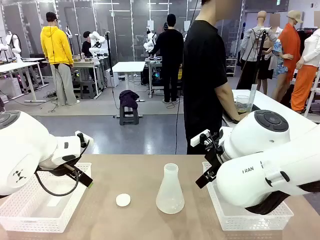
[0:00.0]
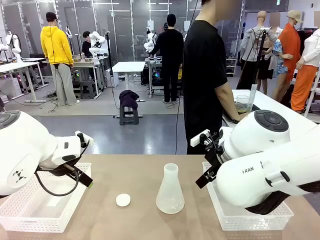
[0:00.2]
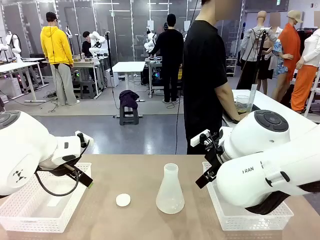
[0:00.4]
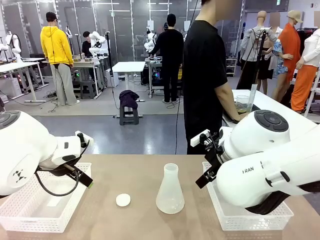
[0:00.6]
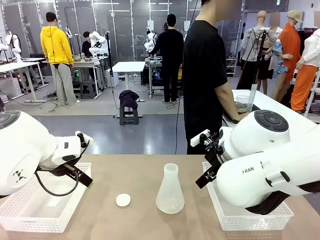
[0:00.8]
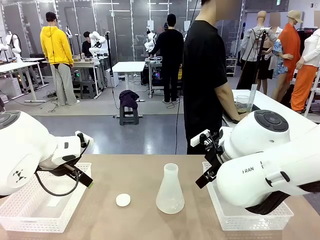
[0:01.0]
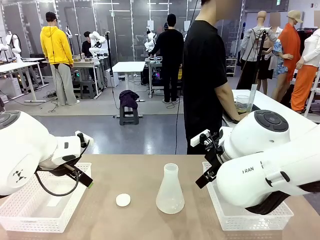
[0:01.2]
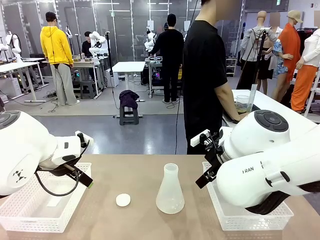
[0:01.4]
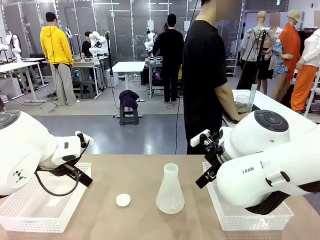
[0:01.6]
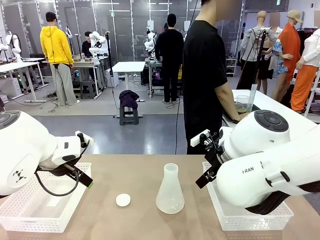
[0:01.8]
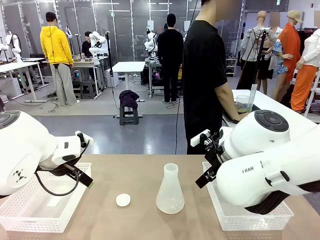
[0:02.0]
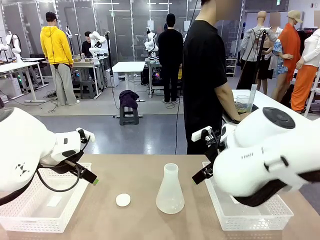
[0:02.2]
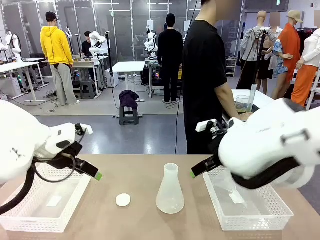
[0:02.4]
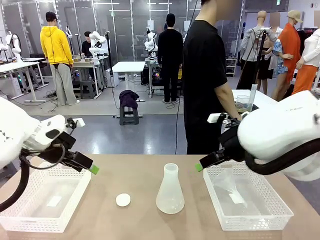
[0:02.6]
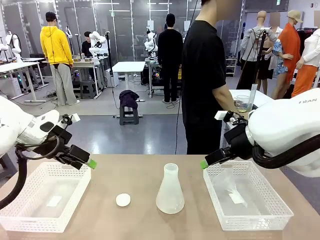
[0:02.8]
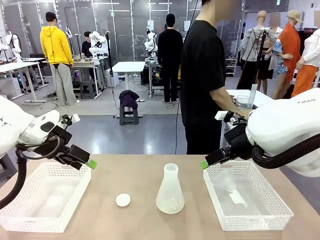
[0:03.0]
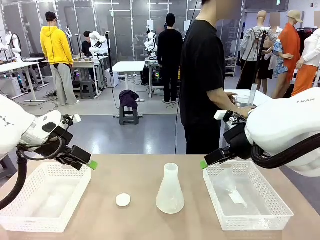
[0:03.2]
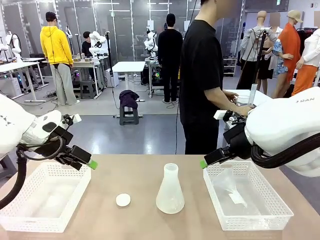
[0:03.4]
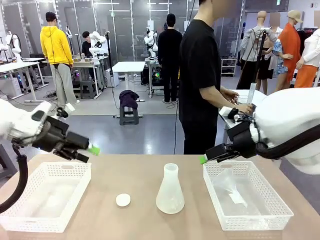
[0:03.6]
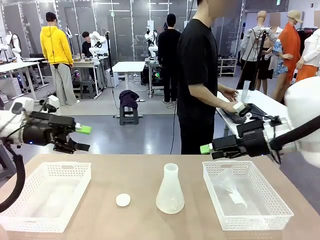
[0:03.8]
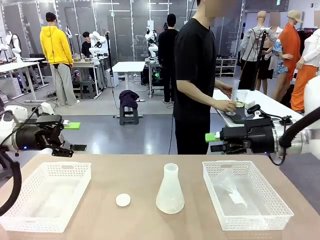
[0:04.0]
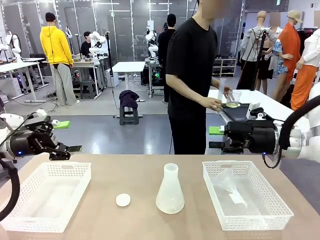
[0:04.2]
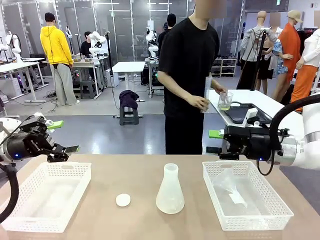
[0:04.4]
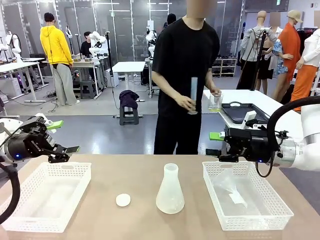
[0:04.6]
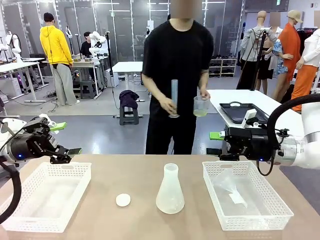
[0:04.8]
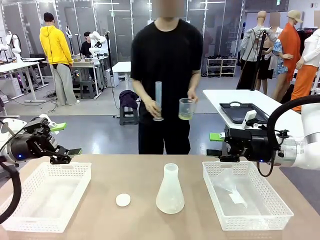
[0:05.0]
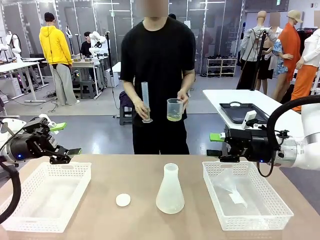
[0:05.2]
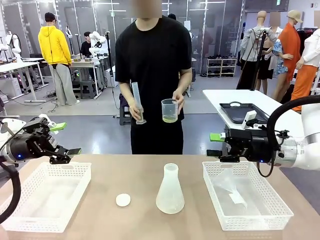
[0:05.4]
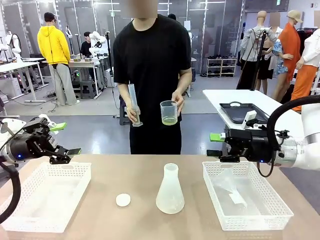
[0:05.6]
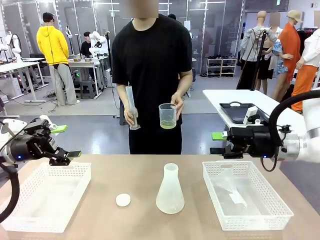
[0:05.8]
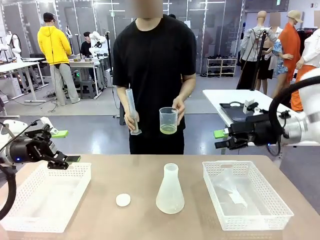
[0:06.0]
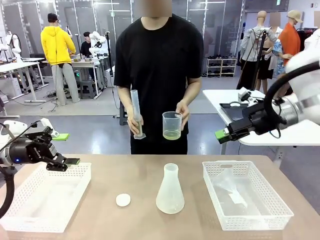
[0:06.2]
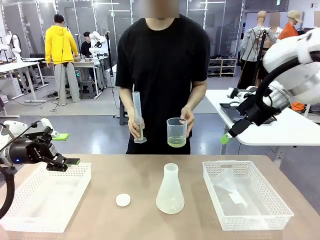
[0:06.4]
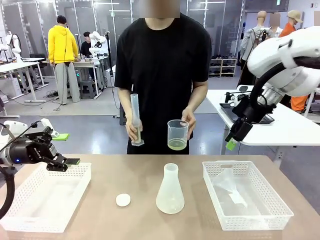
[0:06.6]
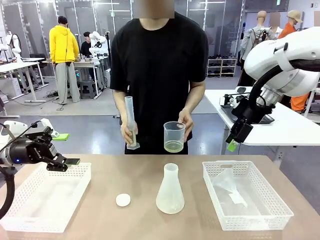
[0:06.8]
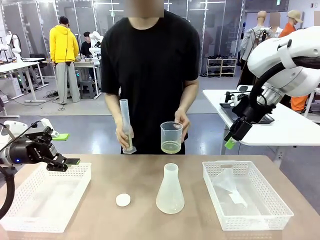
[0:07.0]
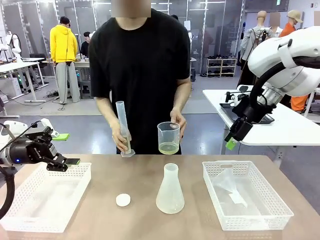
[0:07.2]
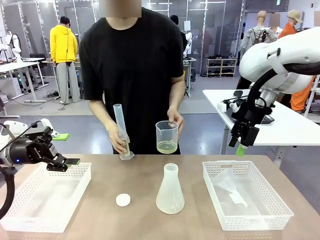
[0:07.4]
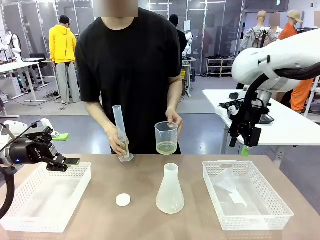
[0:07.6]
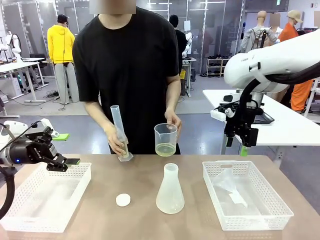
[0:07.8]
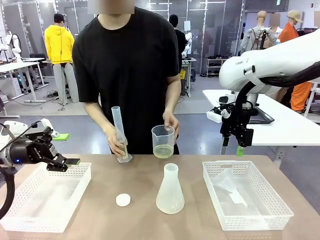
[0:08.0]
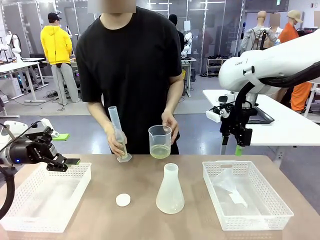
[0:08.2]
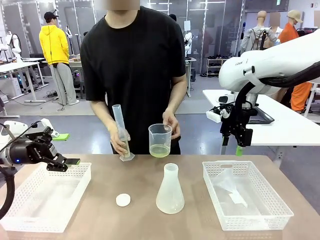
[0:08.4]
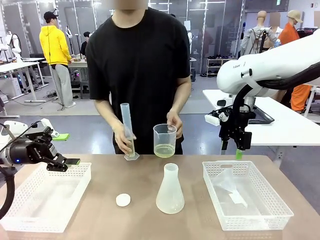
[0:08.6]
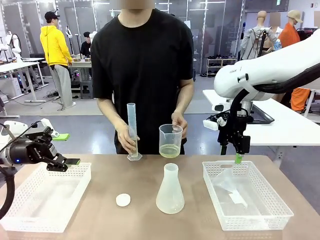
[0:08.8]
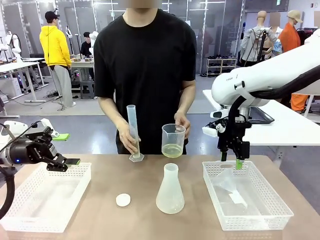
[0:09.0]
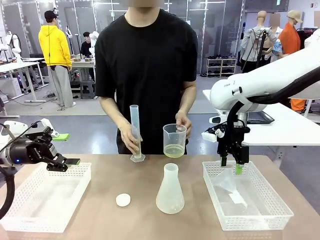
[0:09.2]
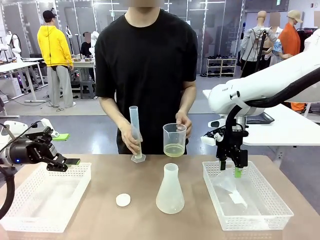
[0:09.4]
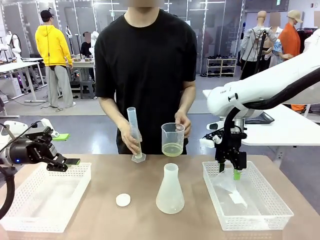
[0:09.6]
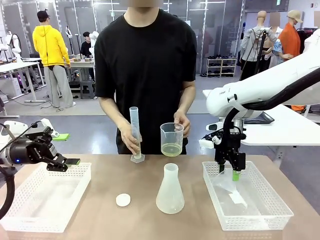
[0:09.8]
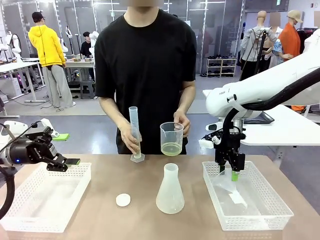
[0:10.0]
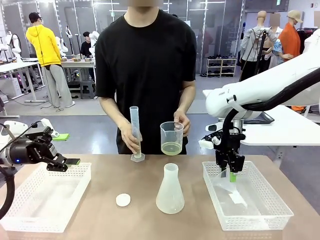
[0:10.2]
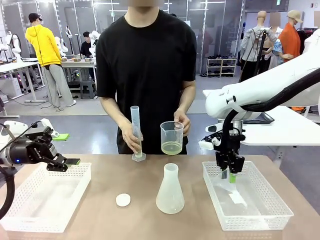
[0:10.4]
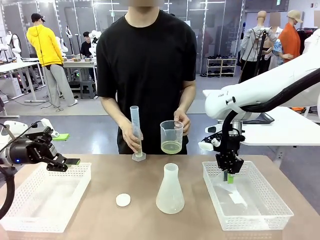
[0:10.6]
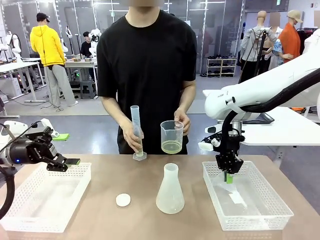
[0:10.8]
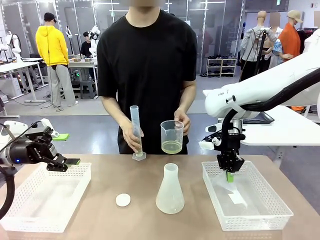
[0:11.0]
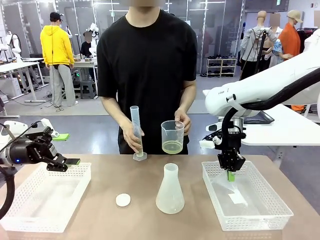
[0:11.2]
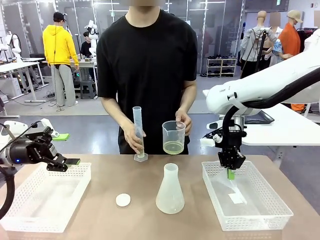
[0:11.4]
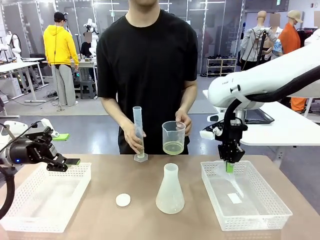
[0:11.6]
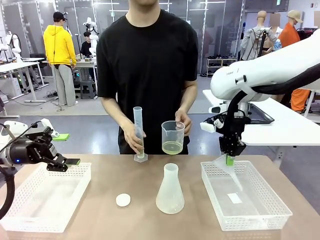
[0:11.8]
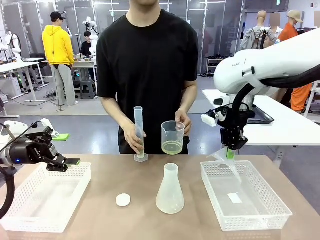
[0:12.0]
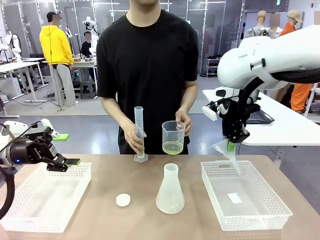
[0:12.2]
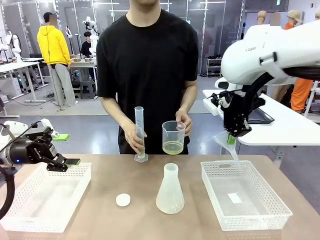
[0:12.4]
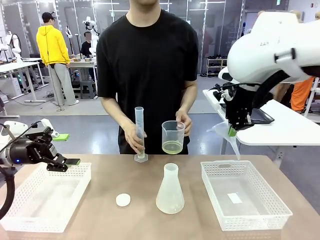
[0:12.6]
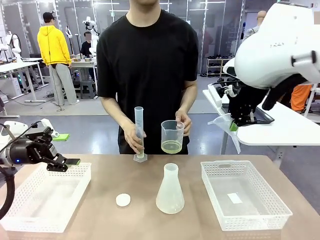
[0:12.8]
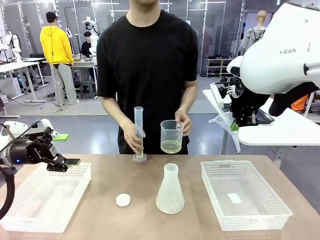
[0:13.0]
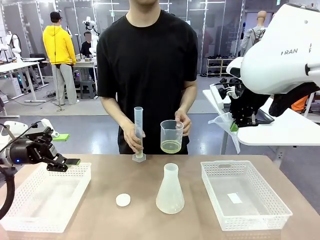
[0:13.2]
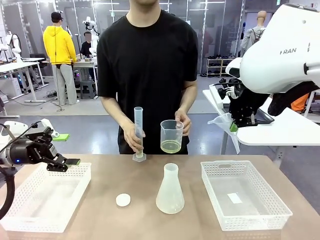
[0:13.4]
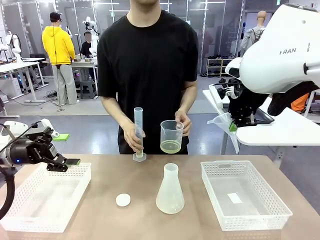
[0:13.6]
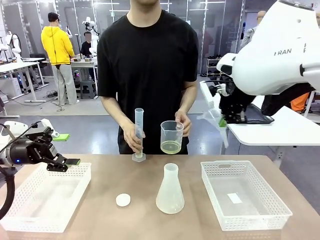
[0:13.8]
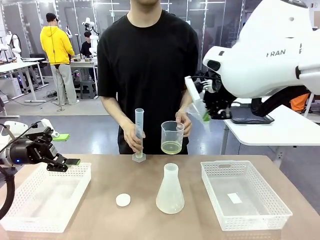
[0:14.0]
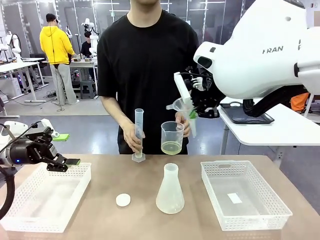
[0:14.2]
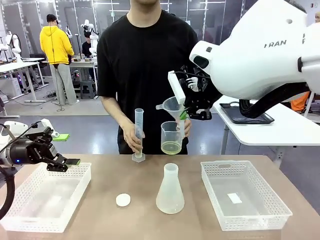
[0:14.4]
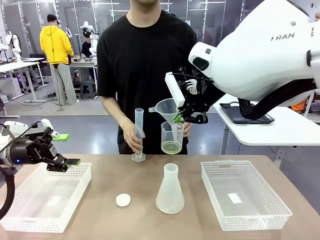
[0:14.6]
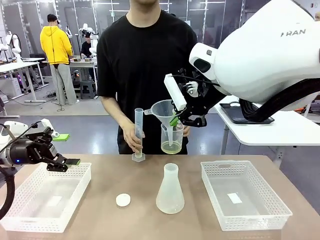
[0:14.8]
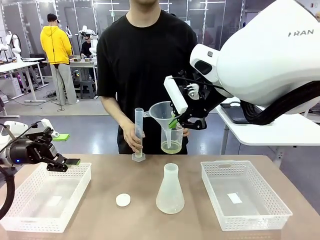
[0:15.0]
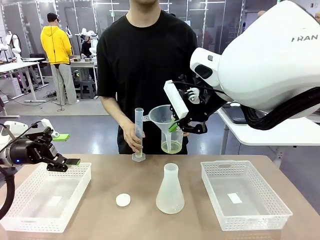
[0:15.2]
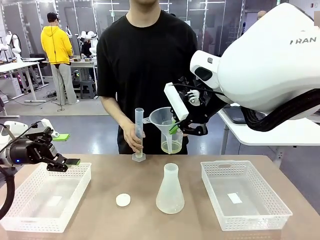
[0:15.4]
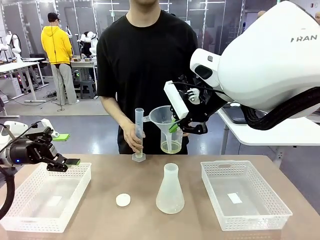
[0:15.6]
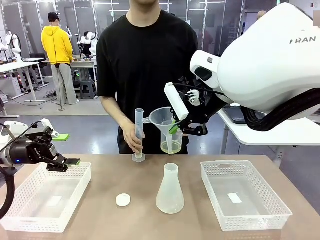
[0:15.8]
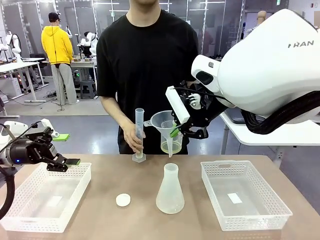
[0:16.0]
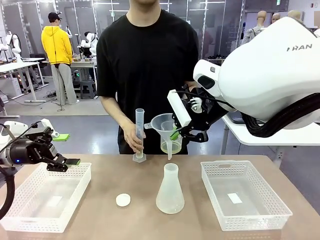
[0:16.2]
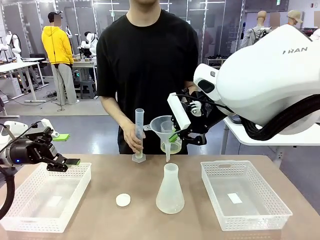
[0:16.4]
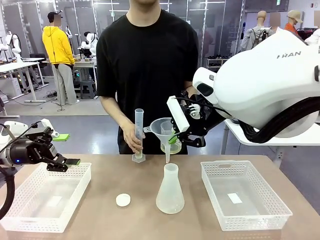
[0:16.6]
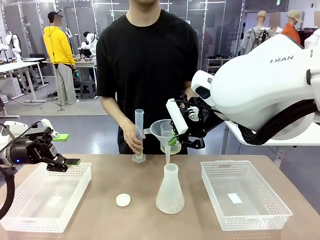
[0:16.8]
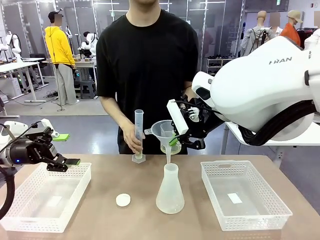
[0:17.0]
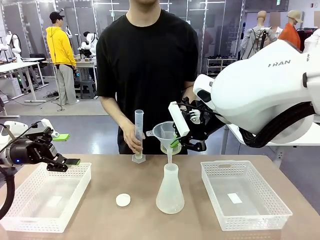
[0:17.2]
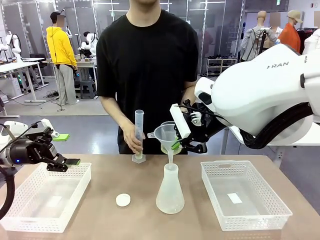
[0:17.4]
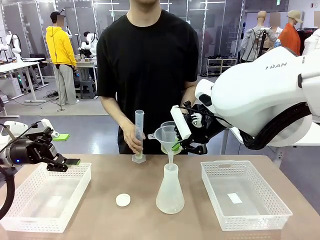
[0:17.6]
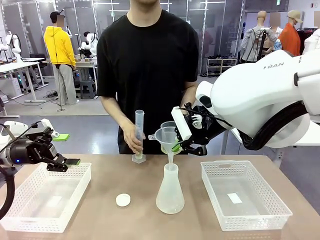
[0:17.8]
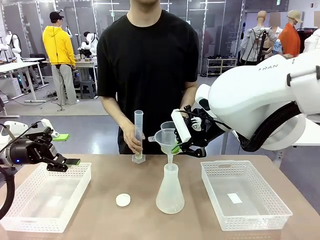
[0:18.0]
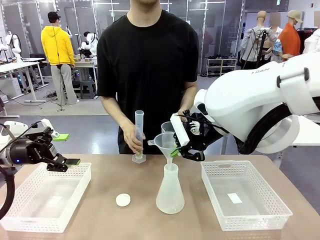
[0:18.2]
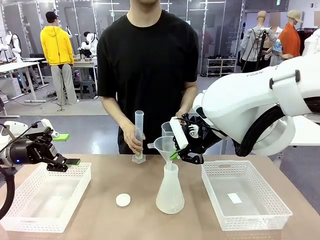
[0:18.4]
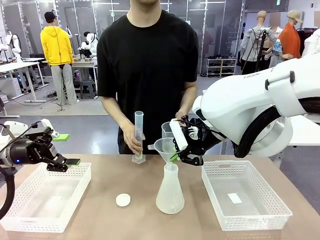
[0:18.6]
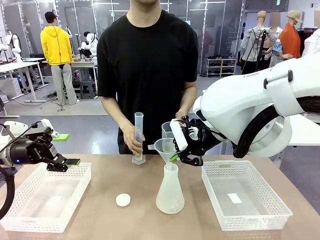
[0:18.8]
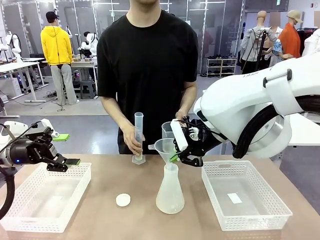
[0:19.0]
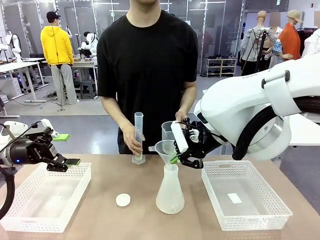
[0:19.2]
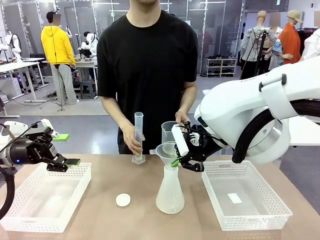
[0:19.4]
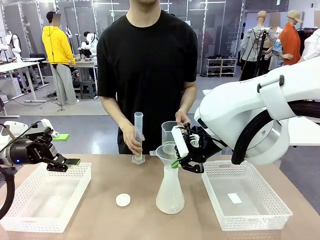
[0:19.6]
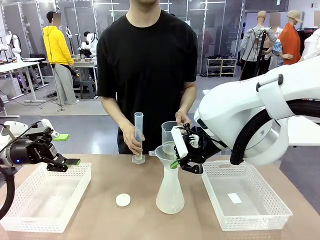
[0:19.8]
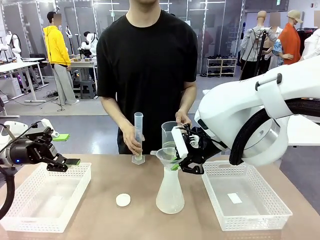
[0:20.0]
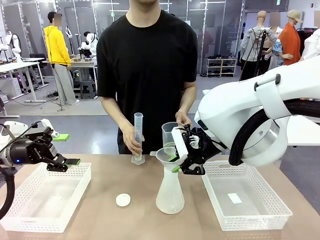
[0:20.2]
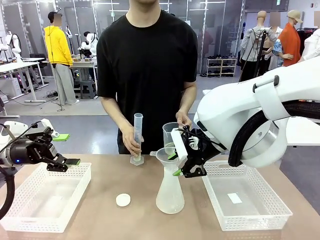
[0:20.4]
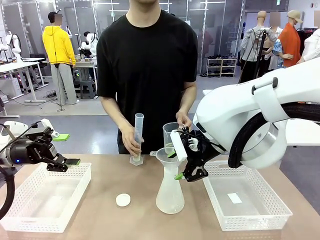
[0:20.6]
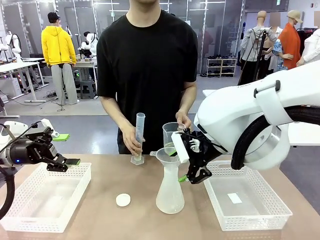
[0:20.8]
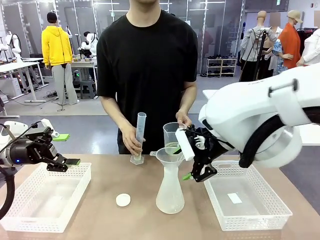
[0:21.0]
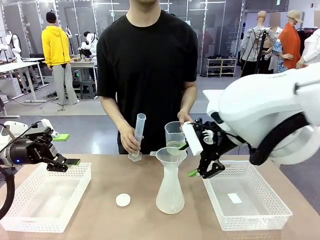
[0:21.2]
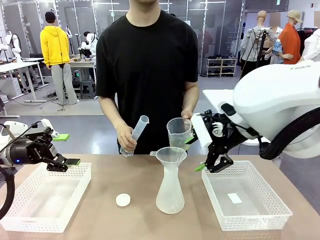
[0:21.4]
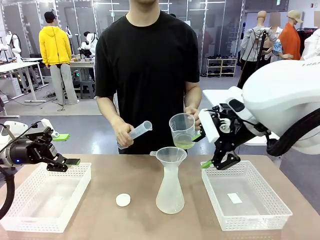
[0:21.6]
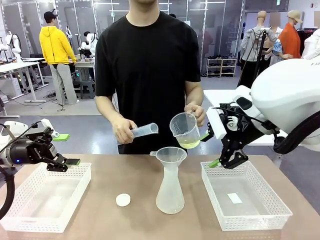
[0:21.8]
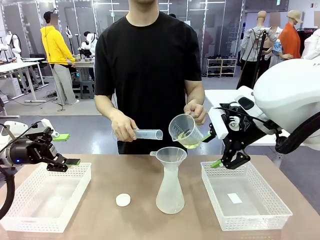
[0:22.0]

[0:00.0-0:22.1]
Task: Prepare the solutions needed for the experiment.
Robot: Pick up the Plastic Funnel and insert it into the Big flask.
Person: Pick up the beaker and the cylinder and move to the middle of the robot table. Pour the solution from the beaker and the cylinder into the flask.
